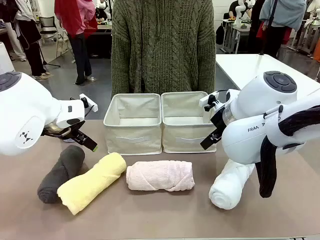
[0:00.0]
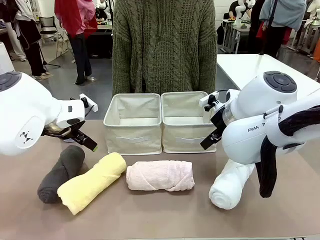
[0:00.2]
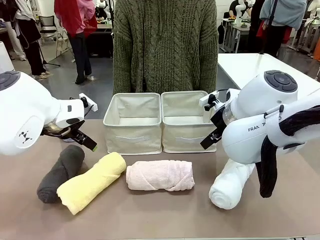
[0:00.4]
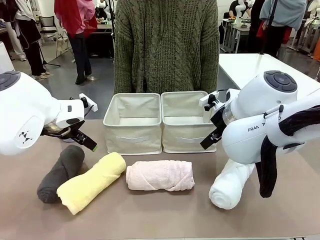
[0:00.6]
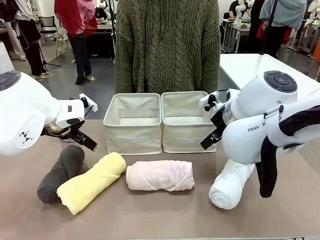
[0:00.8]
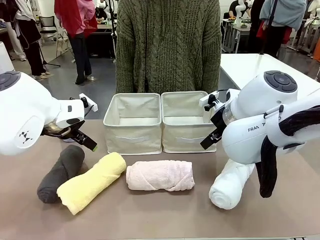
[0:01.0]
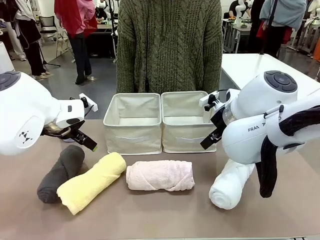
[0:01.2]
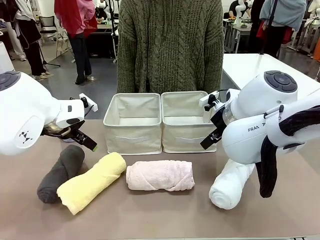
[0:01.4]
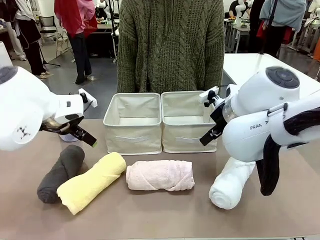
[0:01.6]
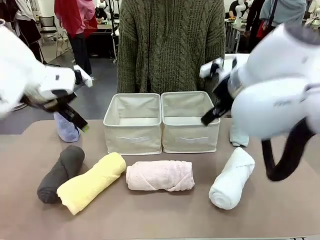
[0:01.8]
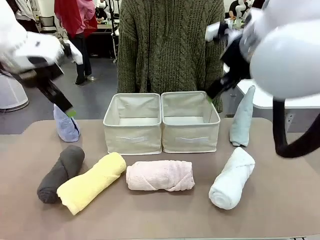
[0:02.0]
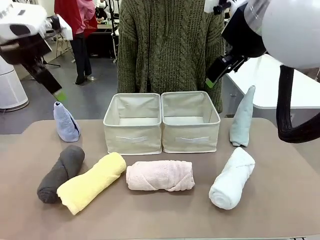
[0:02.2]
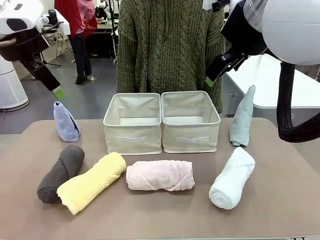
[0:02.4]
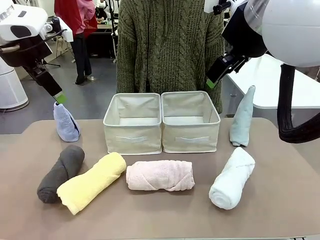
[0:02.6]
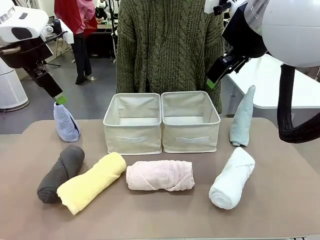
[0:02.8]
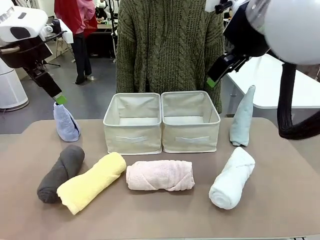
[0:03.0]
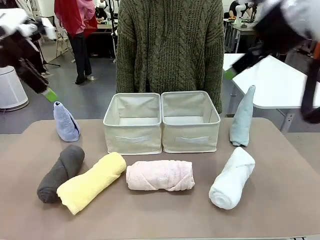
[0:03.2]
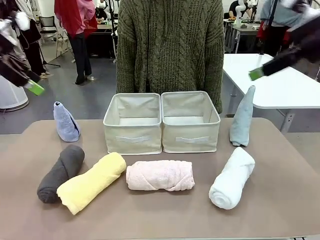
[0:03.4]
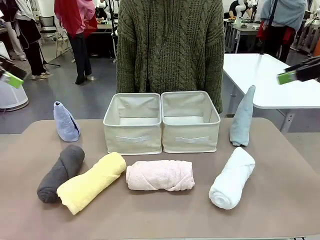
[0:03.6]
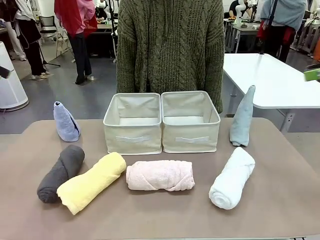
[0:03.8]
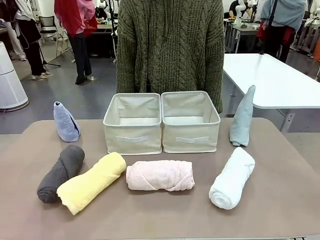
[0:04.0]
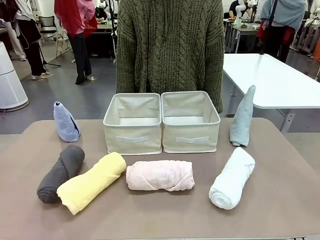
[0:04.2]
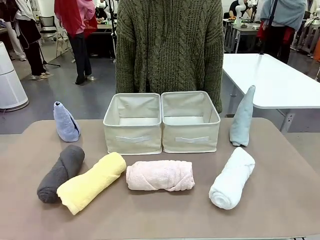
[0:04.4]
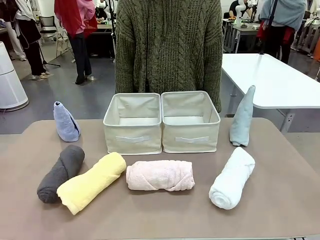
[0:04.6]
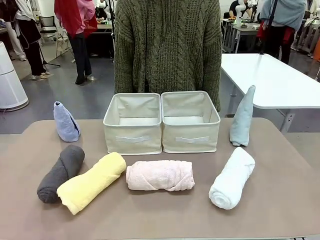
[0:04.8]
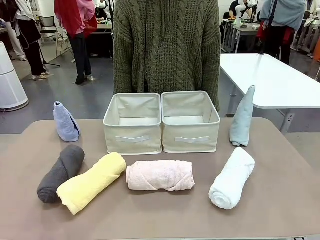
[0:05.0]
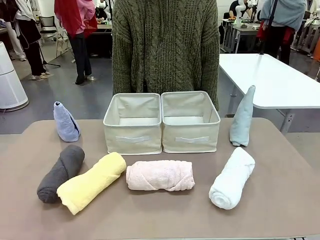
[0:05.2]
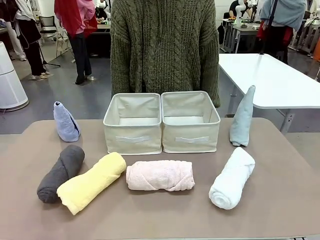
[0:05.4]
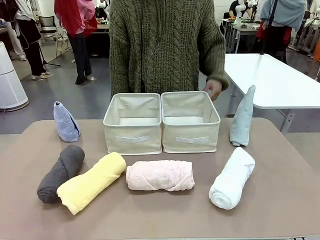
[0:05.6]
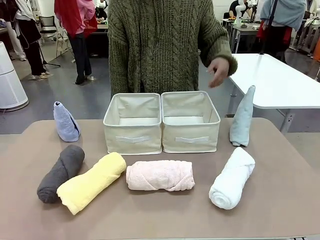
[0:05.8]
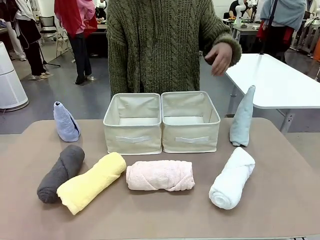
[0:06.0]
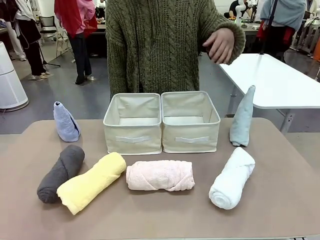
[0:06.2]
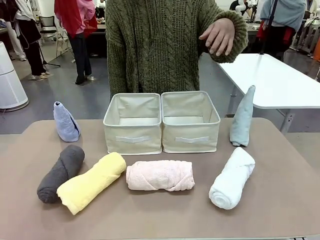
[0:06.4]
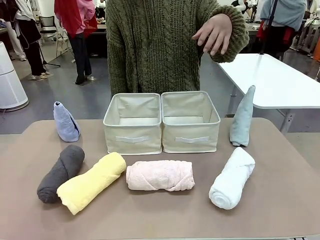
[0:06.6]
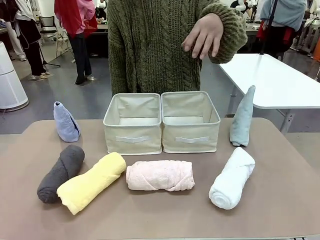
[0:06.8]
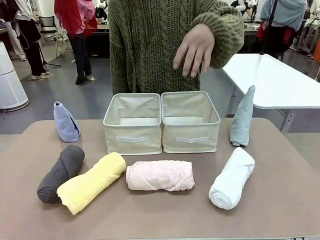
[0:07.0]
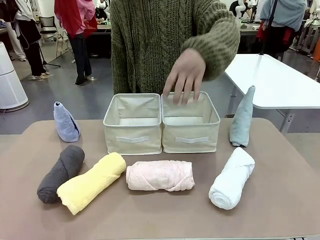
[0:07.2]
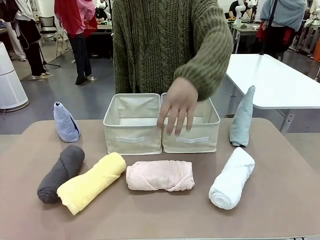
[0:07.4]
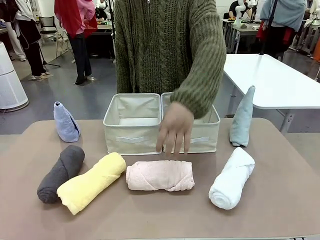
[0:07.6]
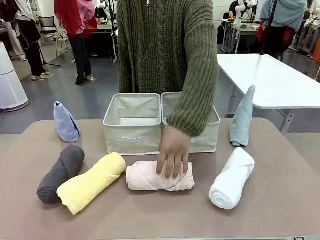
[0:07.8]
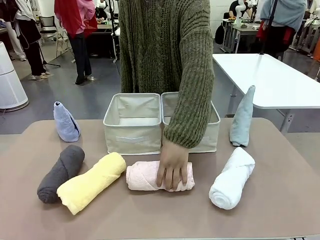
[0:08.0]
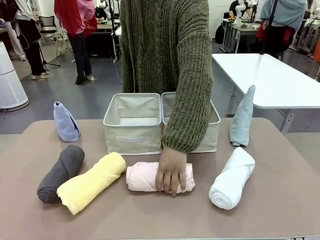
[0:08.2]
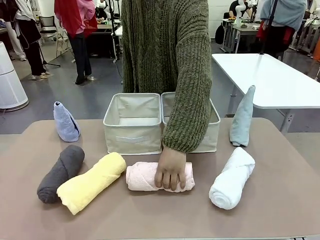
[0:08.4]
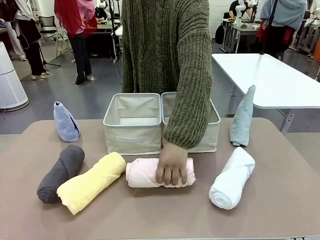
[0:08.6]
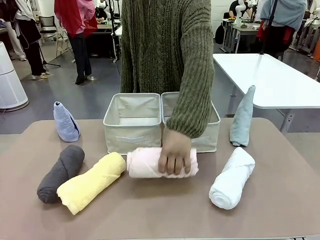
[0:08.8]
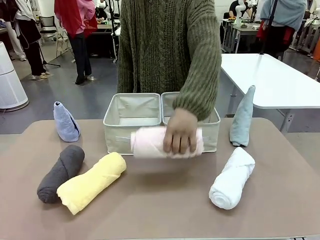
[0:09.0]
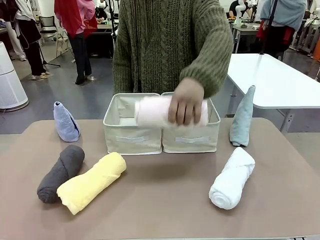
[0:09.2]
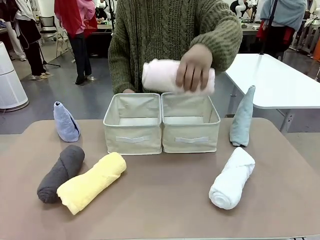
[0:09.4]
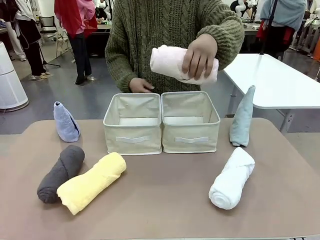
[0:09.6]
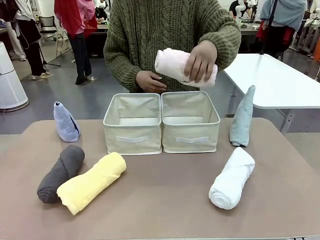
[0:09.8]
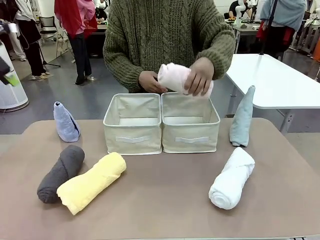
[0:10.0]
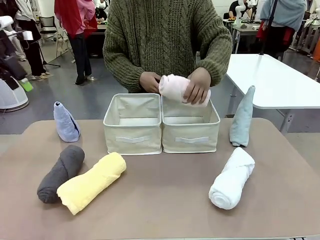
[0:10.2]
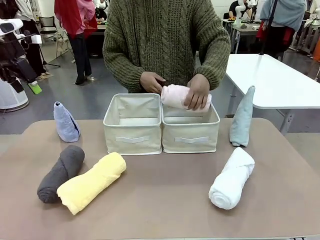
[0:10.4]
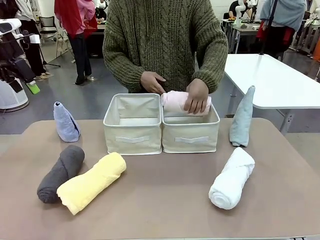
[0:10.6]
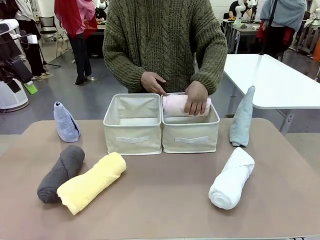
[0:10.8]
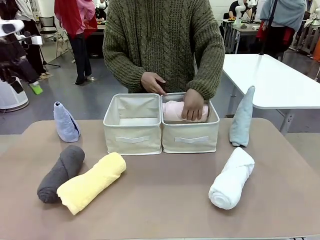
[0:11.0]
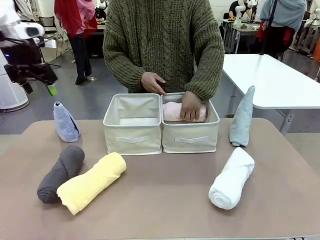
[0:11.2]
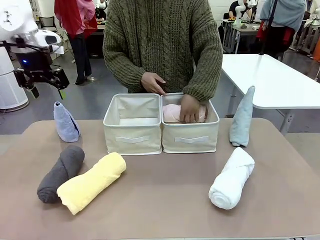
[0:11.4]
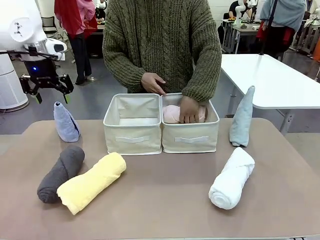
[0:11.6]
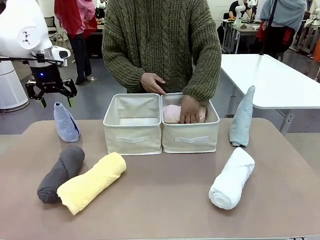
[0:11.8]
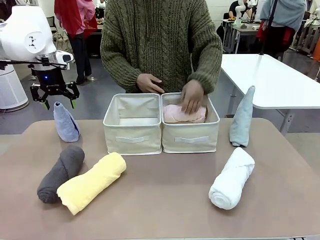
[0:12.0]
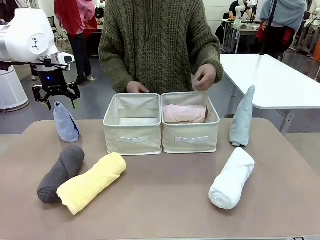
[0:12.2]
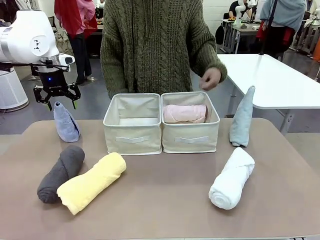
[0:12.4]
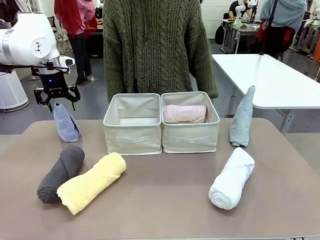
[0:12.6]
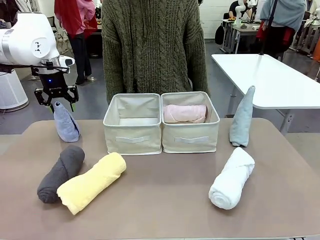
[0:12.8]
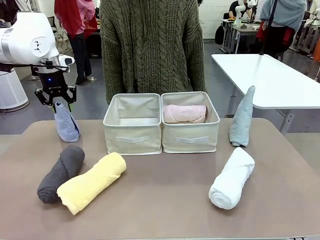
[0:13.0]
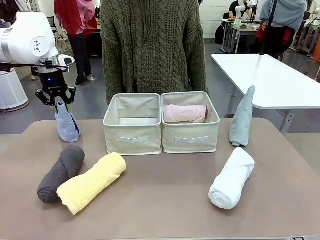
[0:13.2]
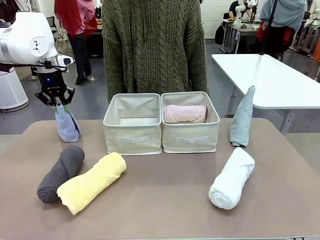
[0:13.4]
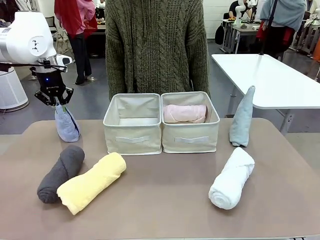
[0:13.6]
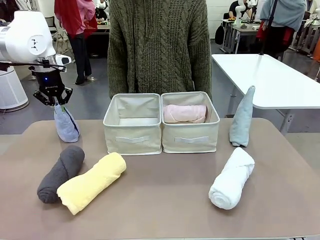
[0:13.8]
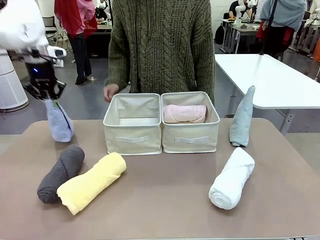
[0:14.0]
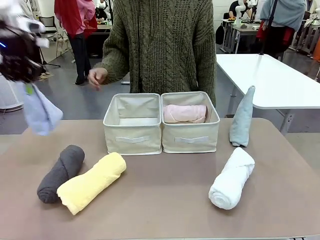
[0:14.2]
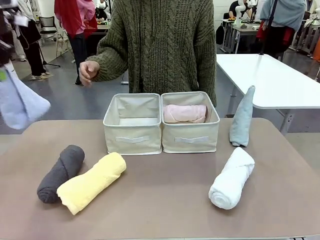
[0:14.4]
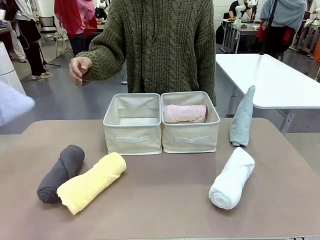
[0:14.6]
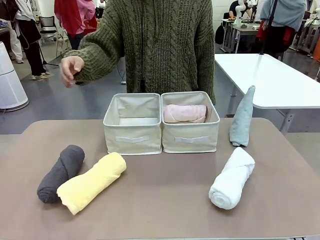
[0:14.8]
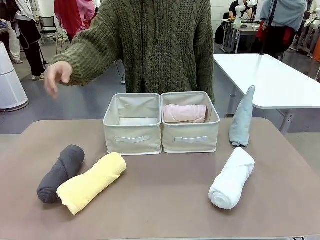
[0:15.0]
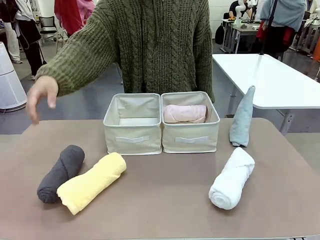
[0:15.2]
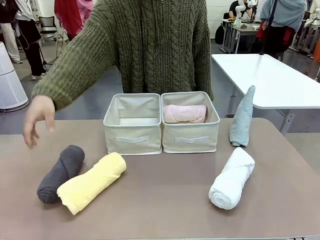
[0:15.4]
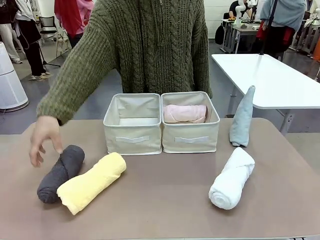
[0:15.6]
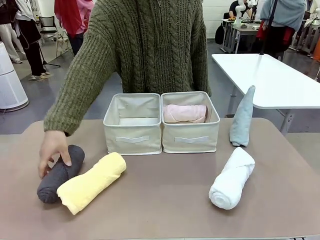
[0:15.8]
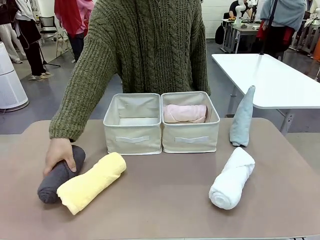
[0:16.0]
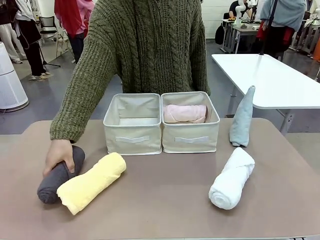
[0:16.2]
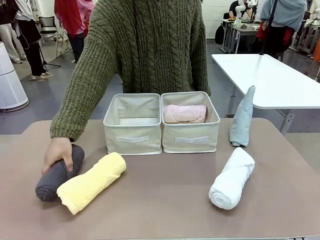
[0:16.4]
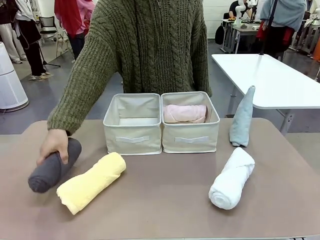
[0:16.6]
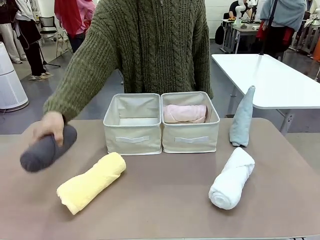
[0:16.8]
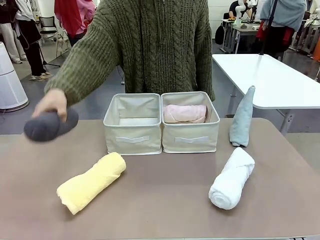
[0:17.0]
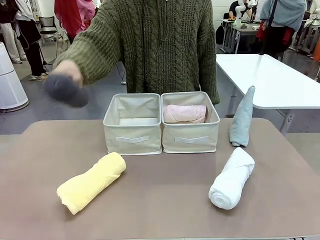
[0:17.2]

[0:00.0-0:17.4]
Task: Sort the towels based on their folding style.
Robot: Pick up one triangle-folded towel and place it in the left Fabric basket.
Person: Pick up one hotel-style rolled towel and place it in the left fabric basket.
